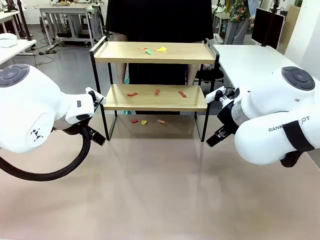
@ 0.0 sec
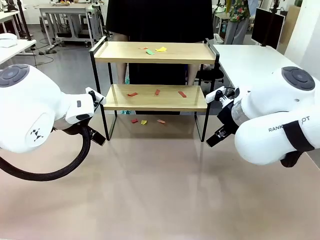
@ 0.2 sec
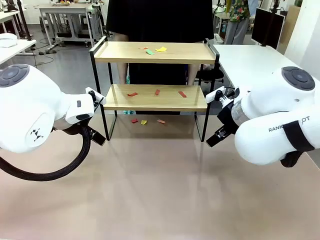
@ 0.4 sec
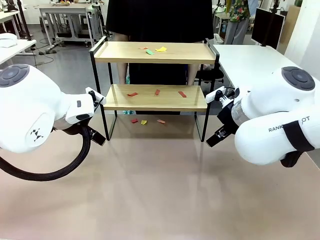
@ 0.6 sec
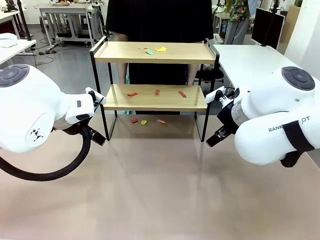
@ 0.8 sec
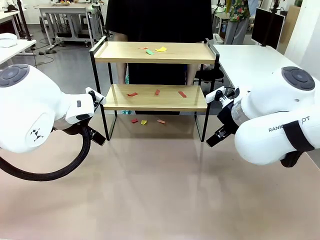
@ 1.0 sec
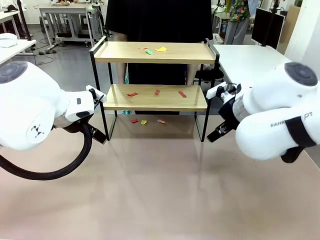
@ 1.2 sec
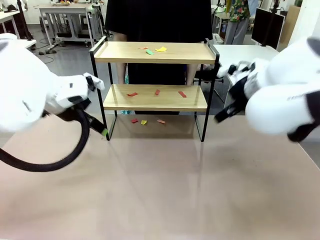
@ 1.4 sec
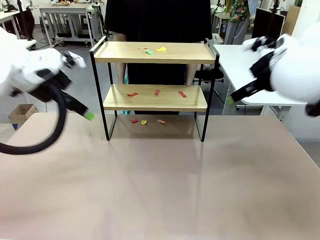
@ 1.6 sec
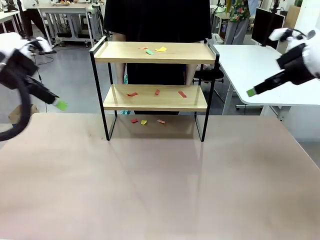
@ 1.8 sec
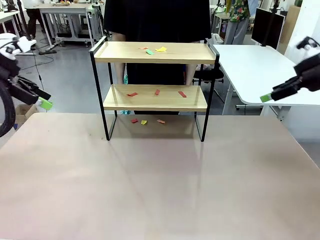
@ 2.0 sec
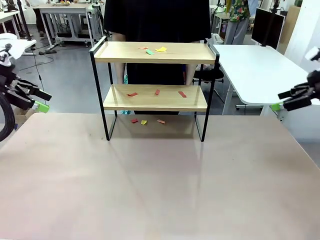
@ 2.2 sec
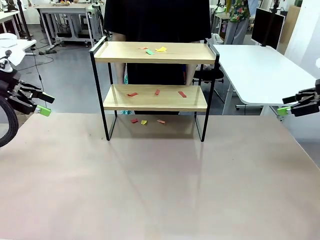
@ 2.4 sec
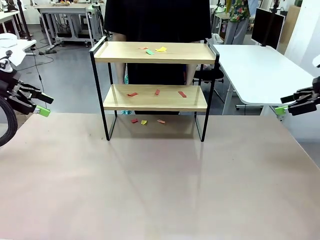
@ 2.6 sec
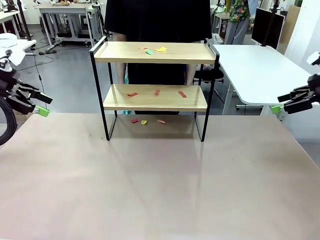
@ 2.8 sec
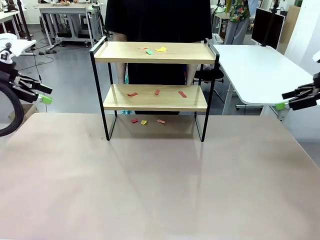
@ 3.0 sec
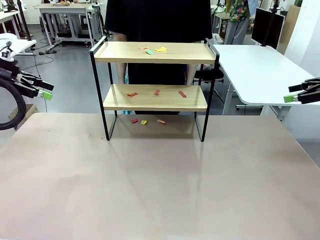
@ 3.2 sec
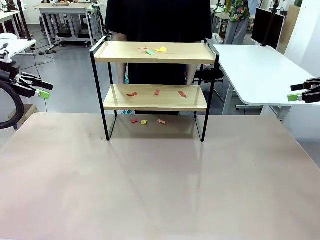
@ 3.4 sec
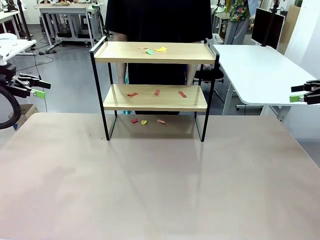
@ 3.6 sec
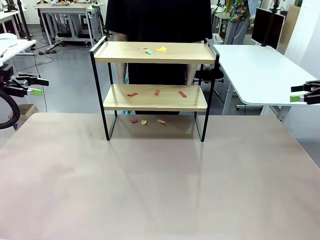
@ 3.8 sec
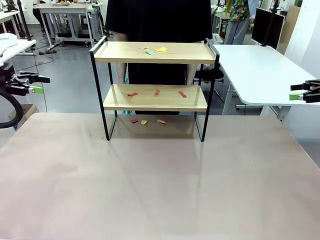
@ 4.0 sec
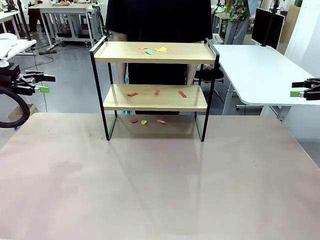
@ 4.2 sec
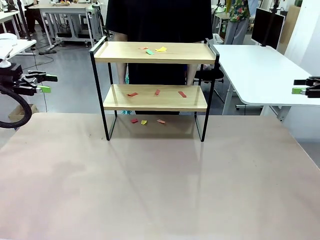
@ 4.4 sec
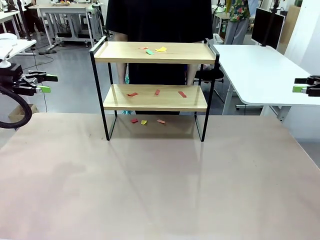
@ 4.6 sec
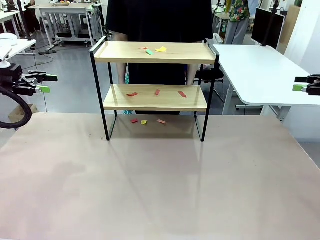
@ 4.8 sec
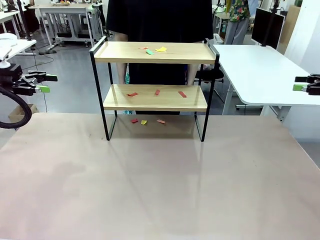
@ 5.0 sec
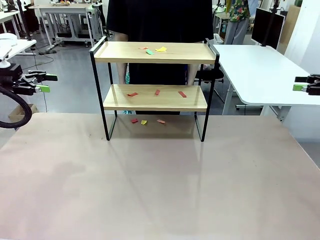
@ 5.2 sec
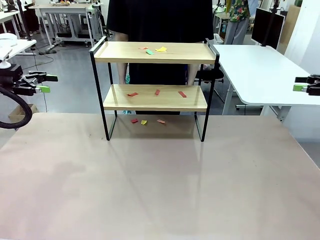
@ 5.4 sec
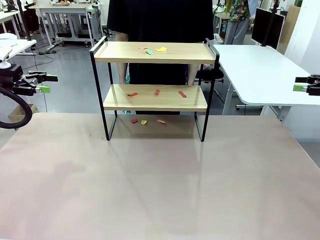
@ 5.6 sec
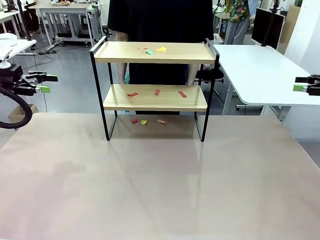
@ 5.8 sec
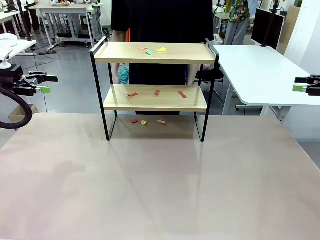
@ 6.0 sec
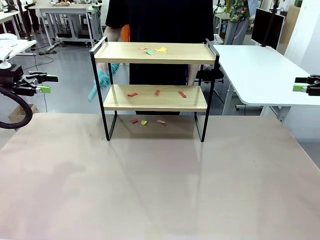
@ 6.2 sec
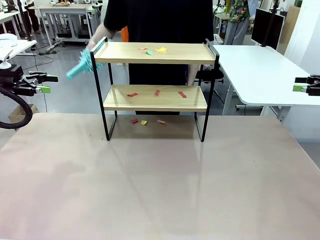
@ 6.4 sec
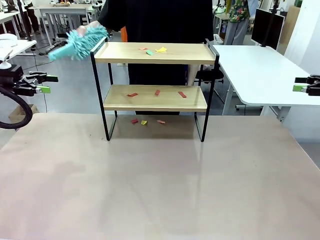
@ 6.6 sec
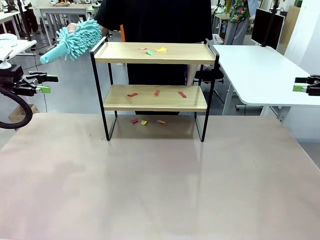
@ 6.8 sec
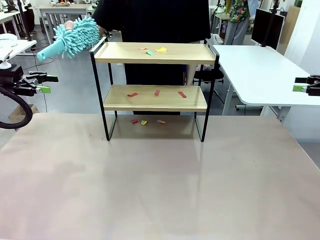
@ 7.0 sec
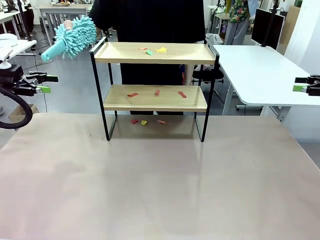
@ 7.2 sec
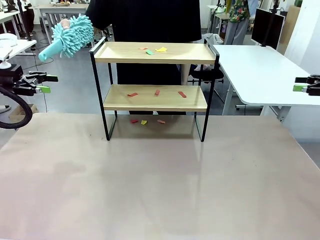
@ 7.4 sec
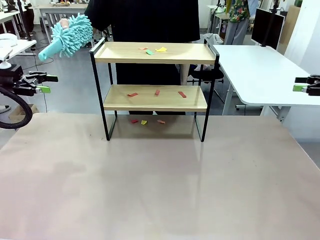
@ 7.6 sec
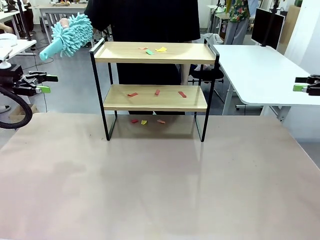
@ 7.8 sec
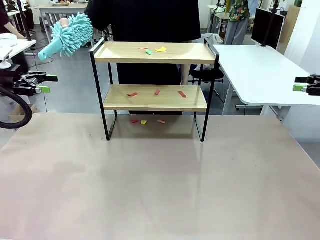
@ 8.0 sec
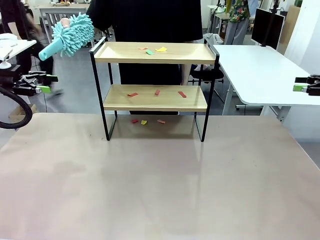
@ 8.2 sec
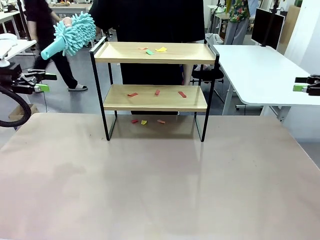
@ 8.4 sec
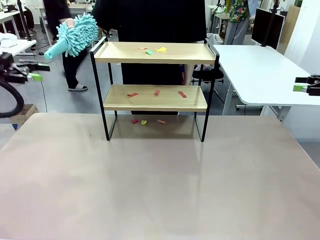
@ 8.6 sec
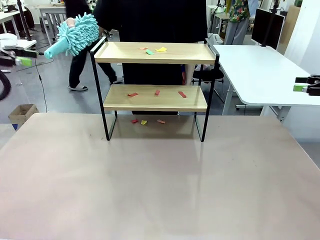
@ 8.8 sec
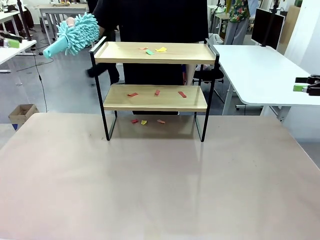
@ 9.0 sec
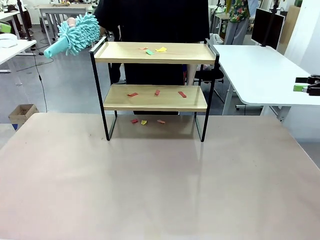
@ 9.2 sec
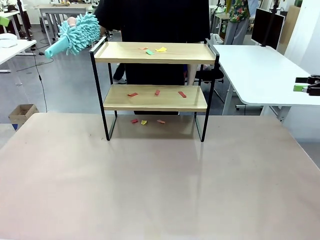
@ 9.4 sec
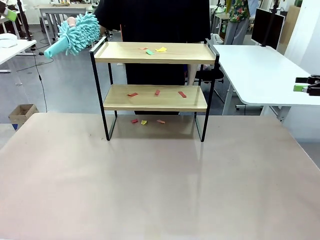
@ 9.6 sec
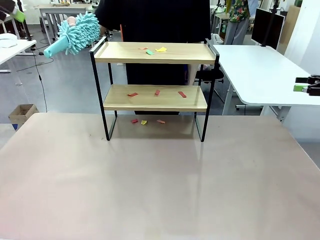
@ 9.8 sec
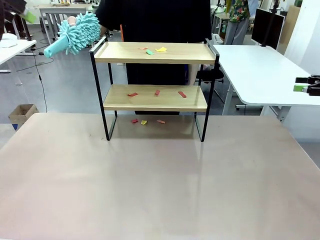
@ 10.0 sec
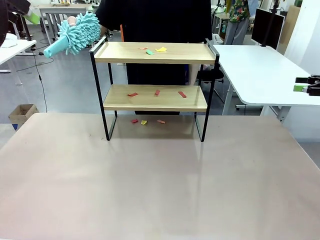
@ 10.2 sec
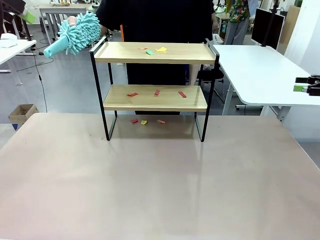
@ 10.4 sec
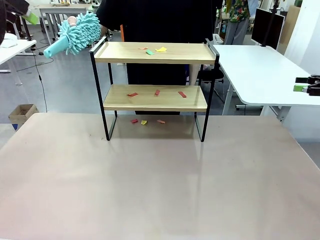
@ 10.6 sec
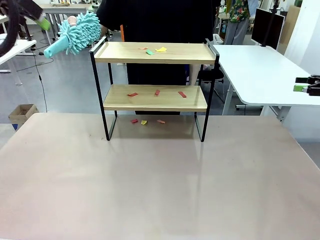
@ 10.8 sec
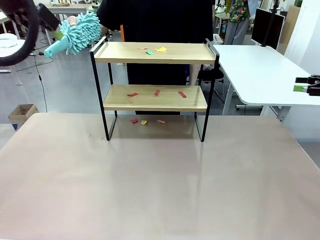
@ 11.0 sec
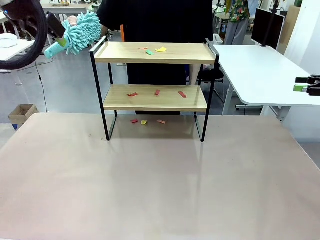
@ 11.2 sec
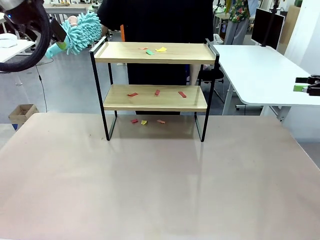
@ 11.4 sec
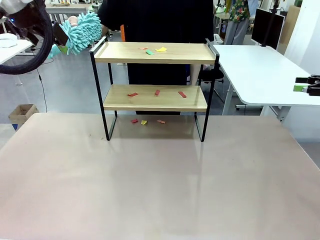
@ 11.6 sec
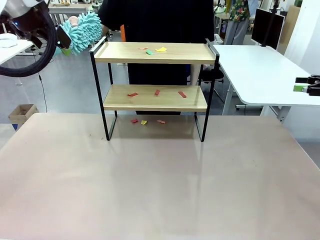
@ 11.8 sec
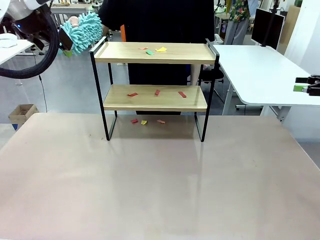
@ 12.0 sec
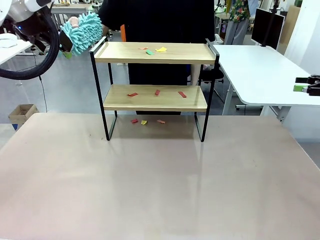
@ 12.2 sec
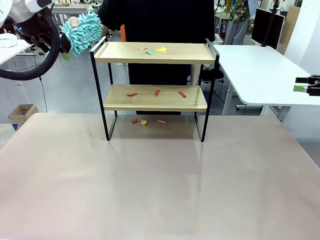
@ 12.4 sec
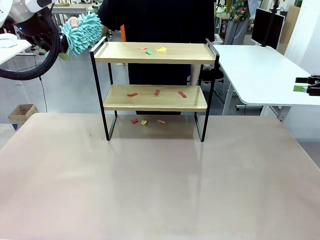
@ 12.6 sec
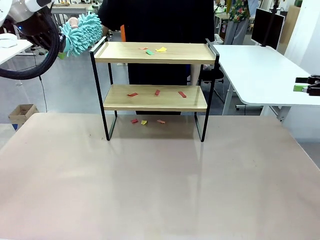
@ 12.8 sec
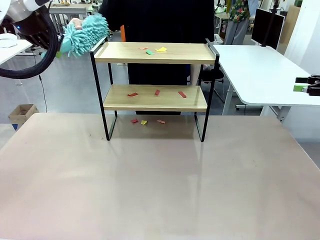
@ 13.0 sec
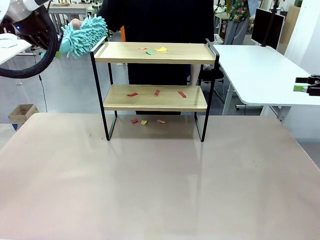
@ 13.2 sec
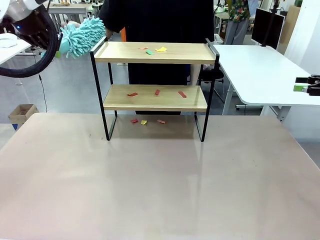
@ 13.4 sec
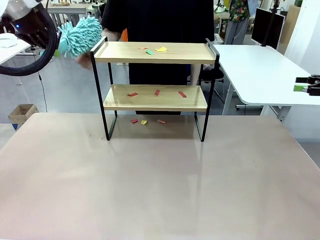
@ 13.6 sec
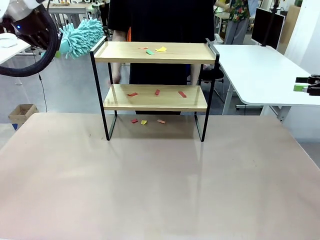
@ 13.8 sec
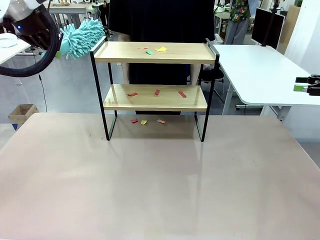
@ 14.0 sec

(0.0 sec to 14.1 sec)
Task: Clean the shelf.
Robot: Pick up the Duster handed by the human.
Person: Hand the Duster to the robot.
